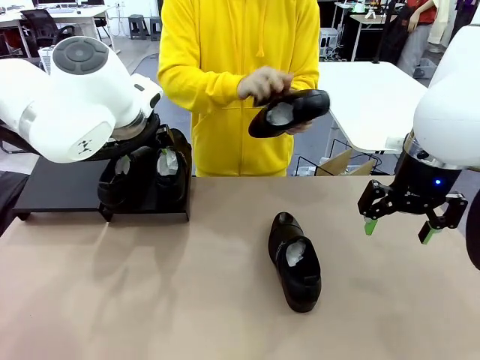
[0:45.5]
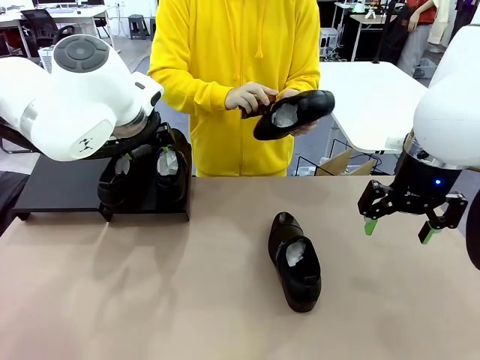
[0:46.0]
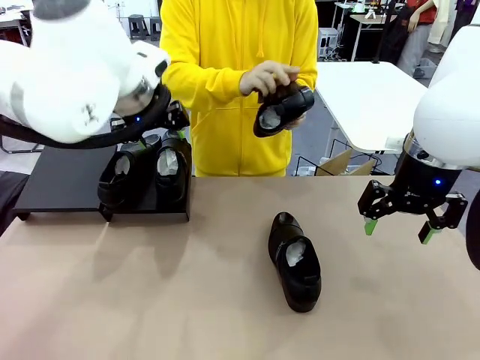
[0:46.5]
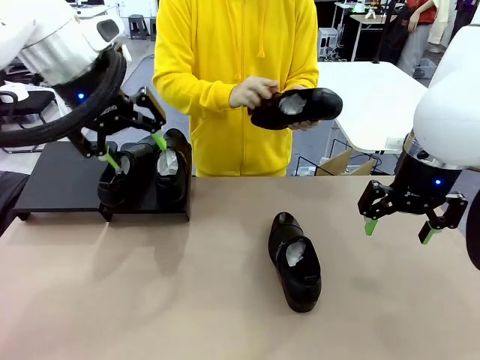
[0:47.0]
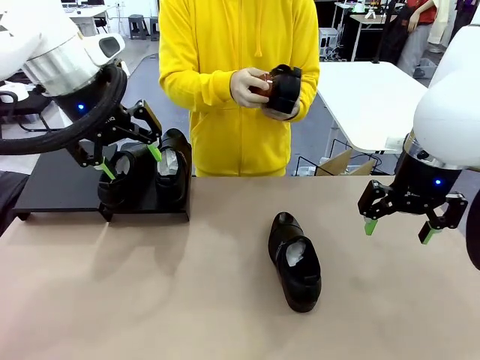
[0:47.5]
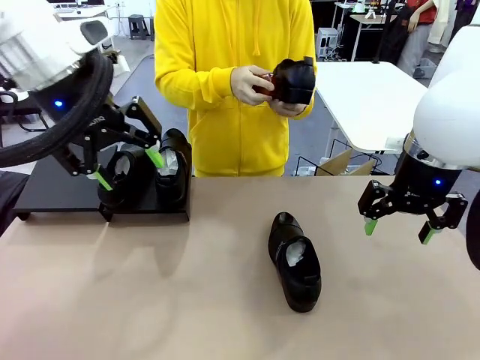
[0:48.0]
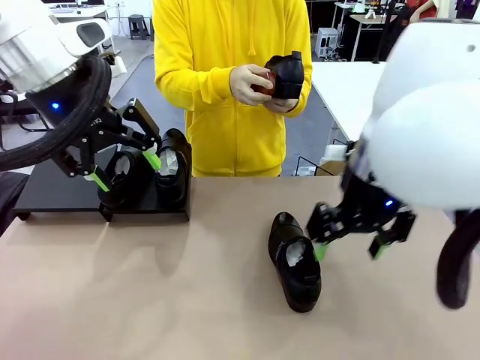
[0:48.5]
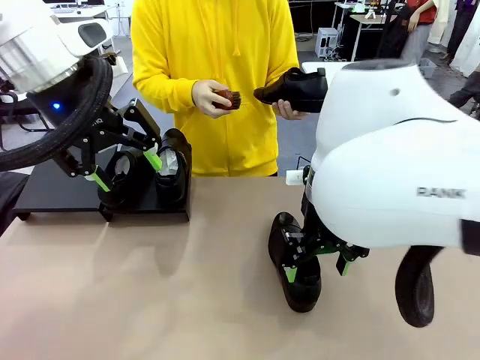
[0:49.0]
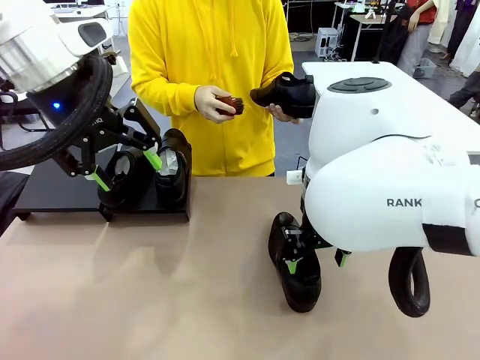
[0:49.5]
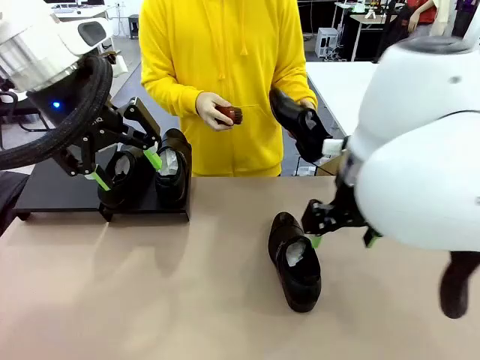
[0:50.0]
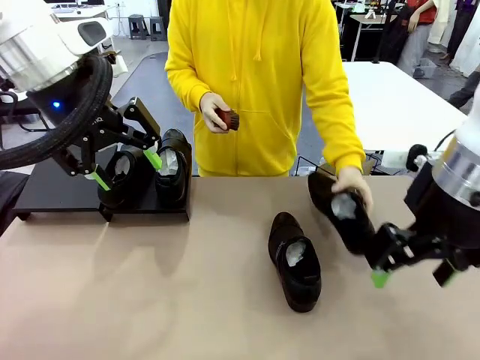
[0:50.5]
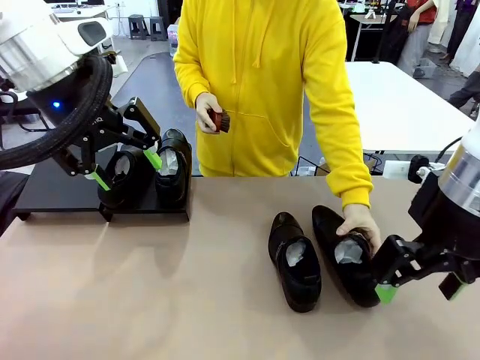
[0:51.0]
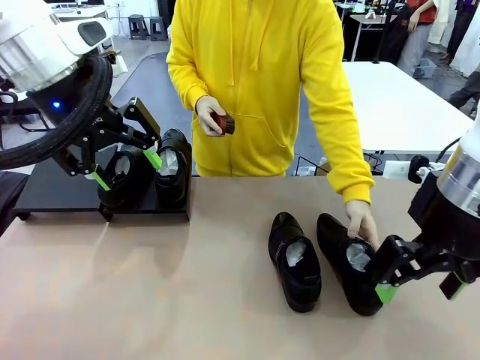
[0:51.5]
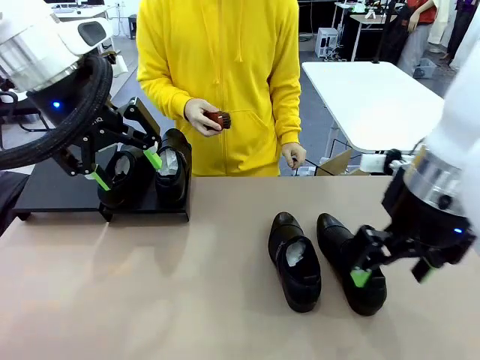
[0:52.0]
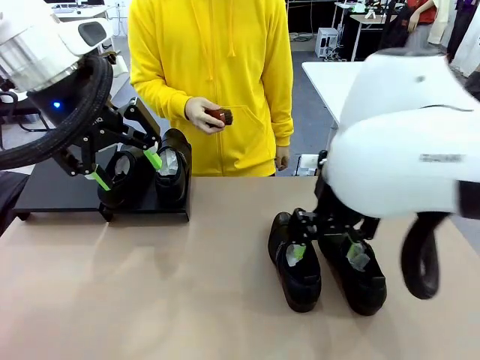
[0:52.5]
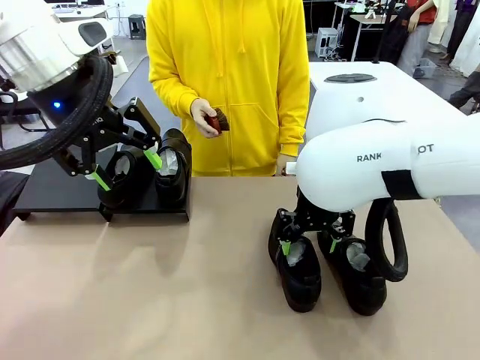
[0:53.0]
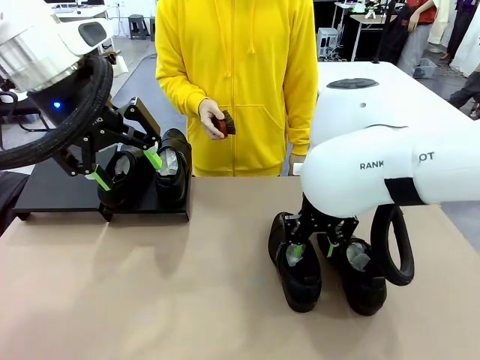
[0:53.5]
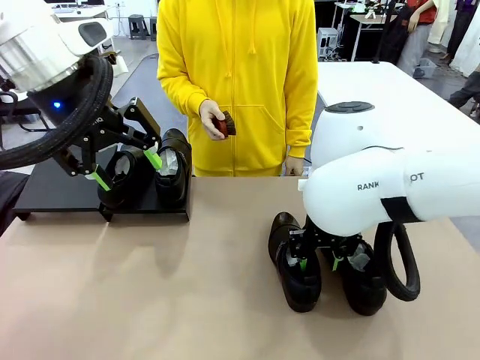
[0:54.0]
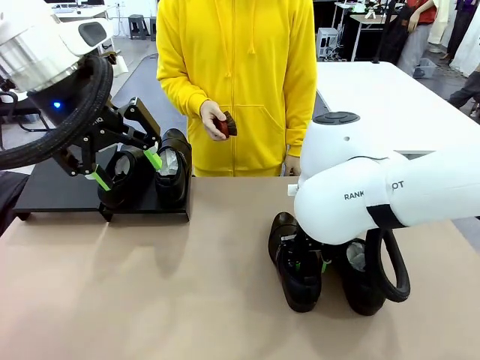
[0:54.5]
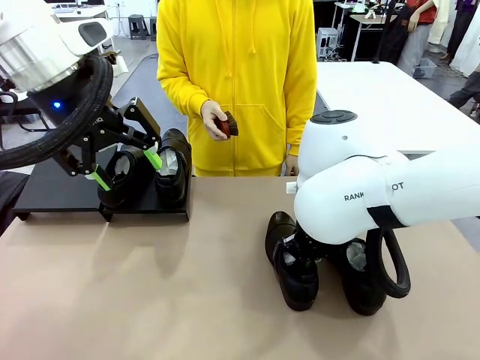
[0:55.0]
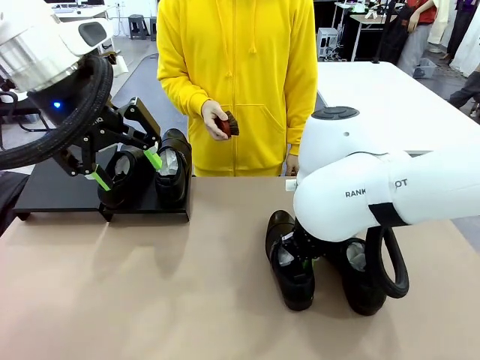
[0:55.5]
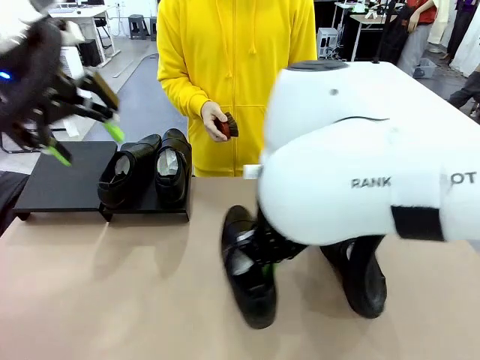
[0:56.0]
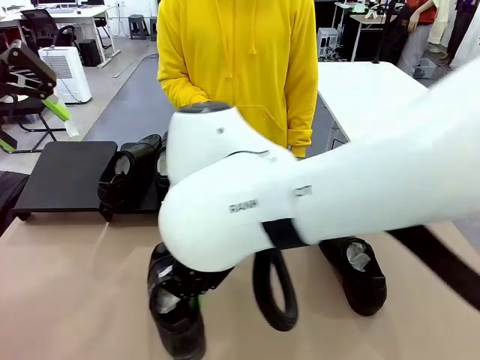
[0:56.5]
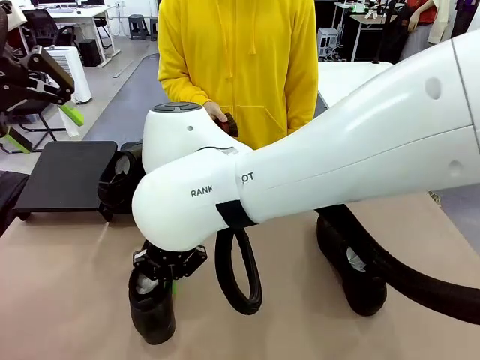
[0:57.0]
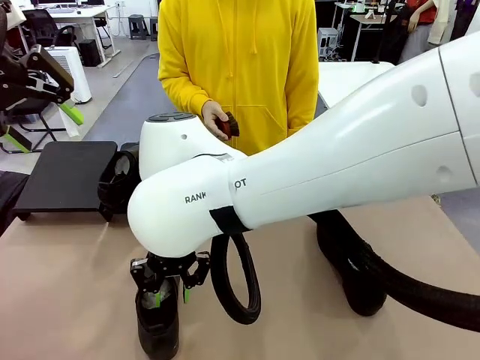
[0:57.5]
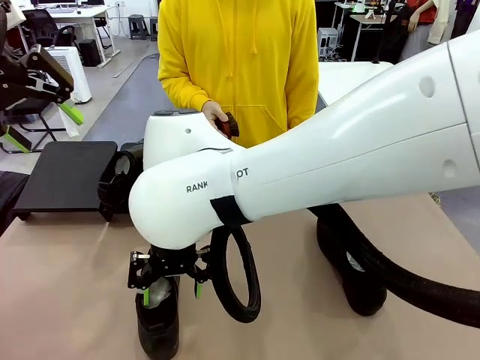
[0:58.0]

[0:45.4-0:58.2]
Task: Organize the shoes by placing them on the stand.
Robot: Pick up one Shoe and place it in the middle of the table.

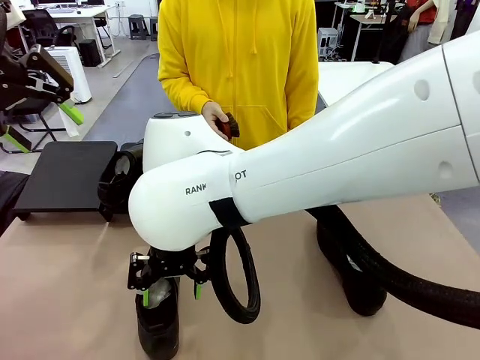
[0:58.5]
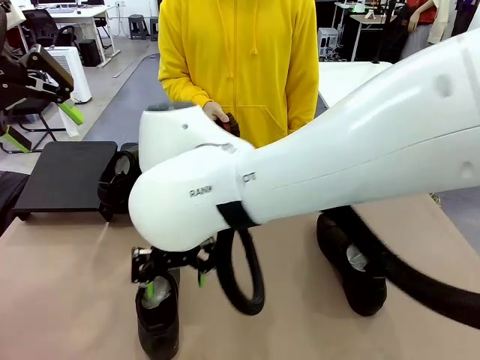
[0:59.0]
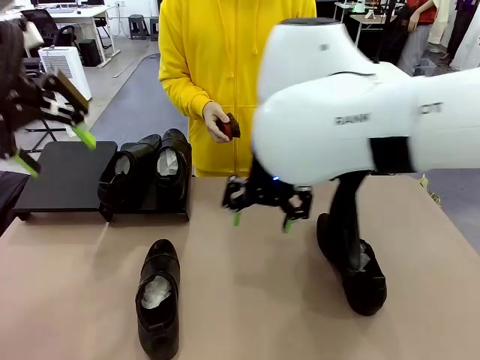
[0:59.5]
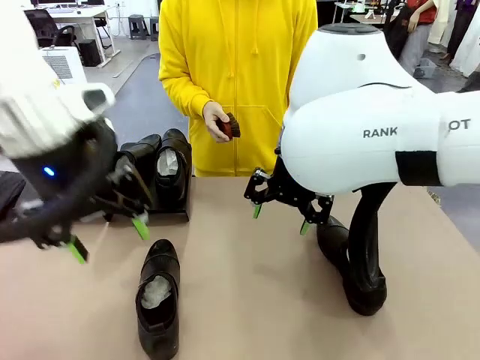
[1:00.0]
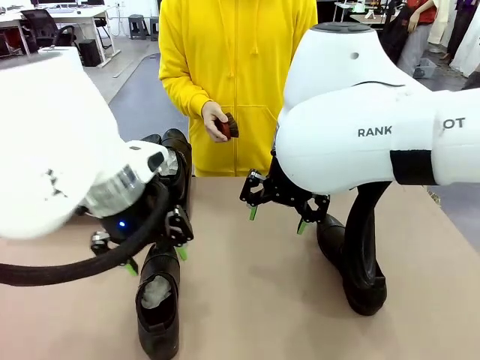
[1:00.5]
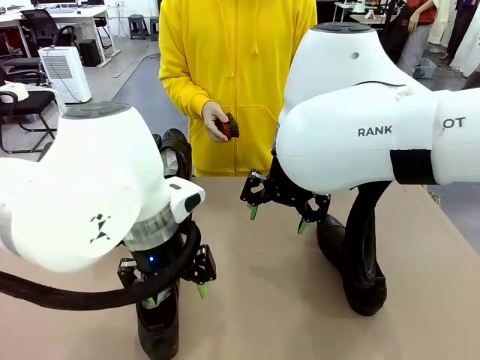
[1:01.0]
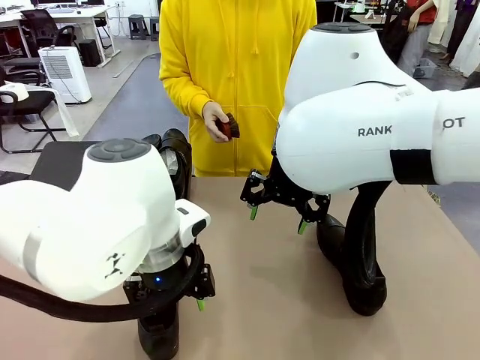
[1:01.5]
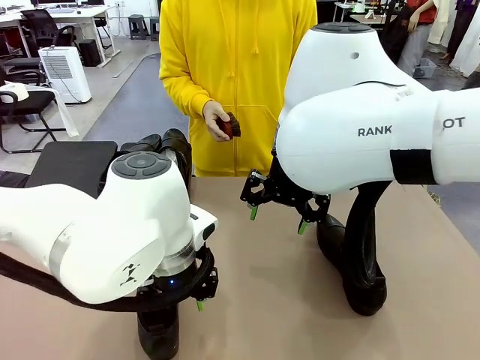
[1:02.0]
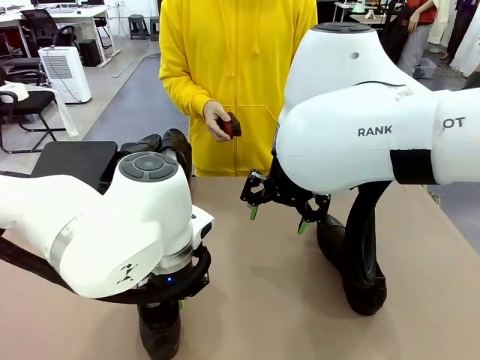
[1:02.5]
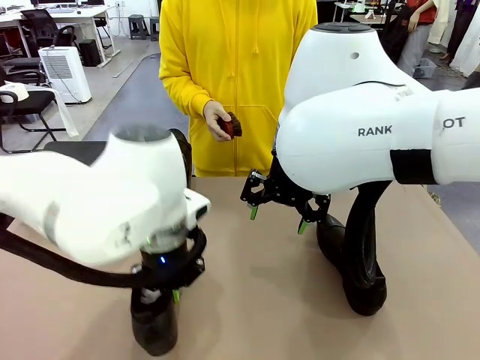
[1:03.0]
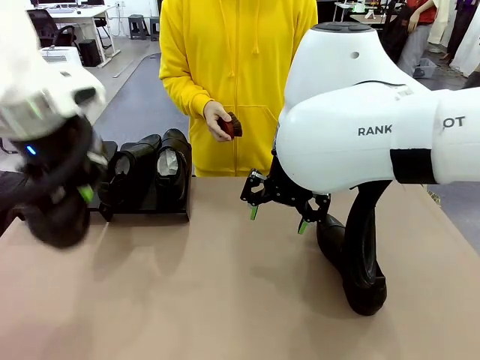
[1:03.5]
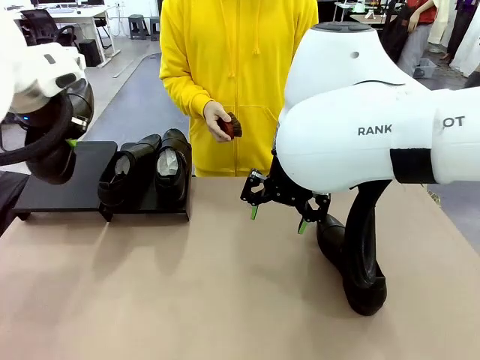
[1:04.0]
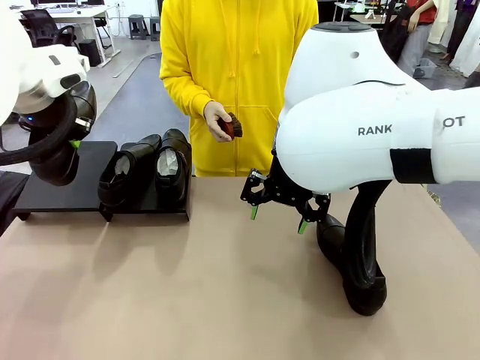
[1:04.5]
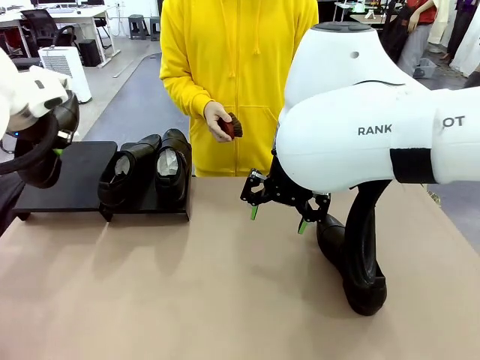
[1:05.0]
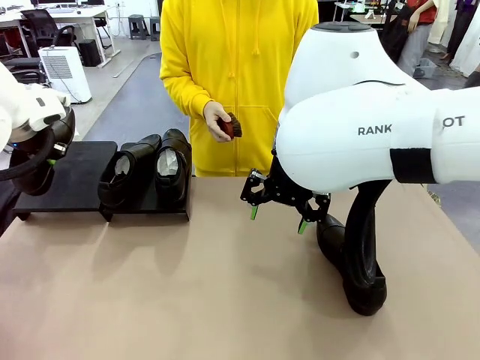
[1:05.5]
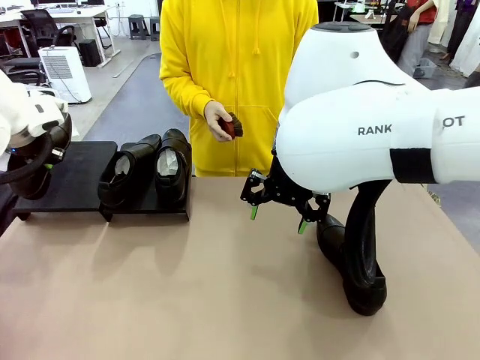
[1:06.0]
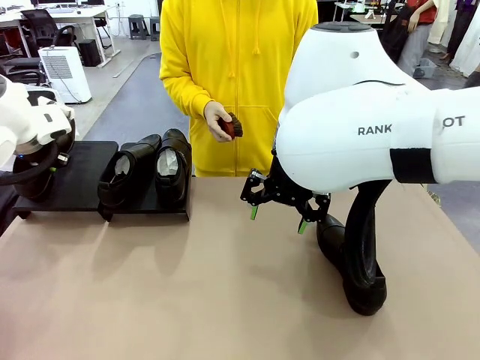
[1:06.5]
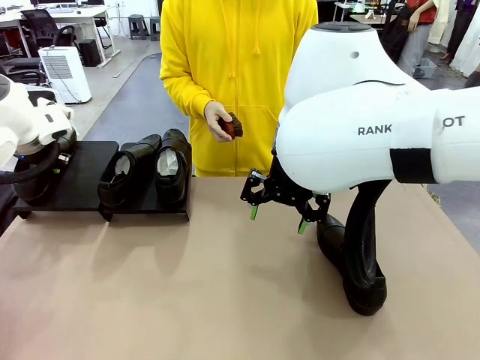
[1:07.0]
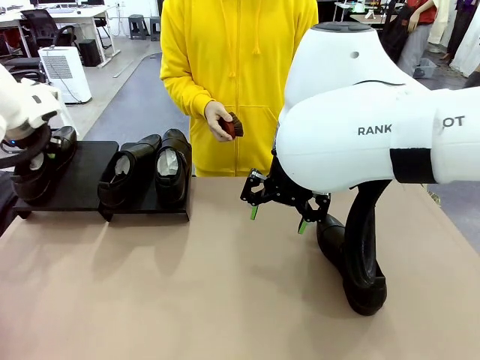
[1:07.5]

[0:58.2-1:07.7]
Robot: Place the Shoe from the middle of the table onto the Shoes Stand.

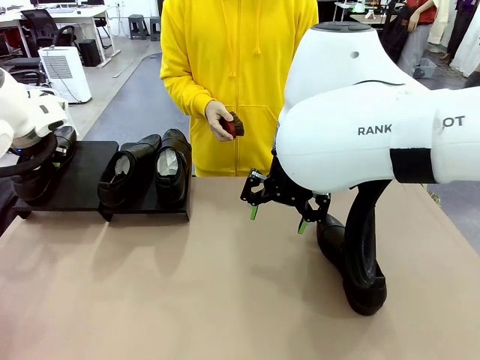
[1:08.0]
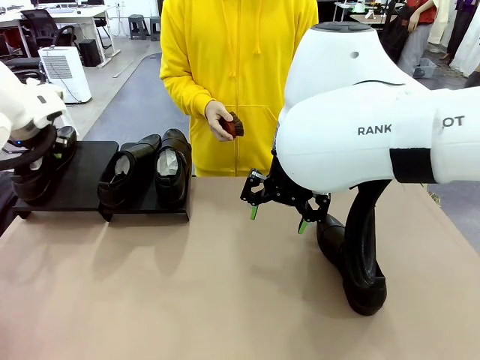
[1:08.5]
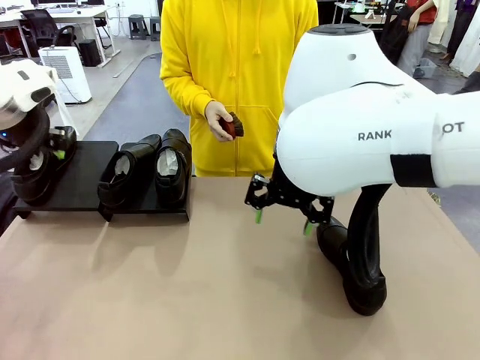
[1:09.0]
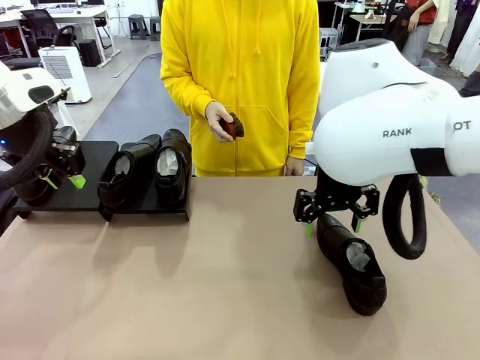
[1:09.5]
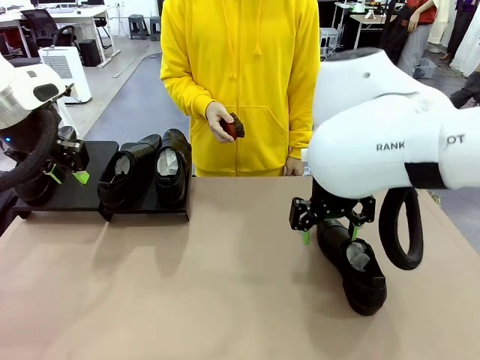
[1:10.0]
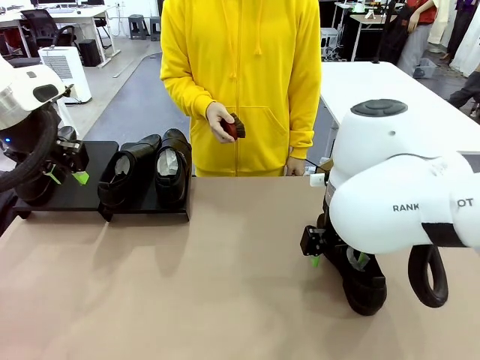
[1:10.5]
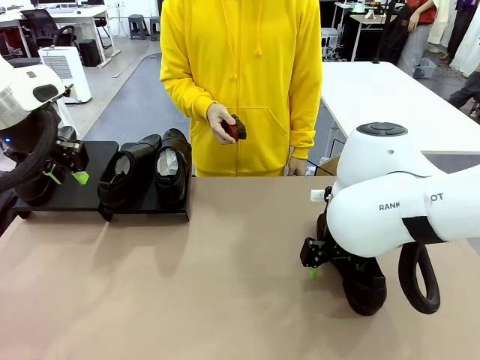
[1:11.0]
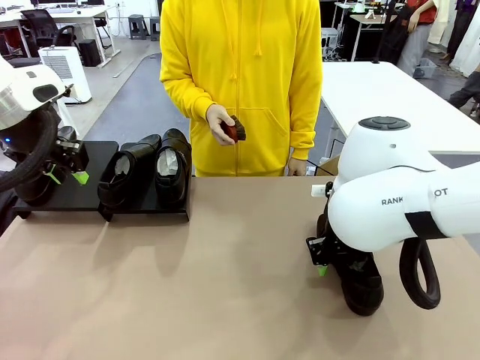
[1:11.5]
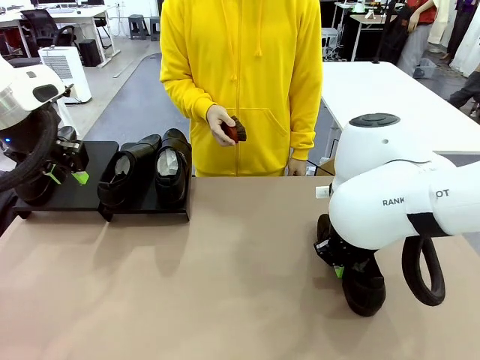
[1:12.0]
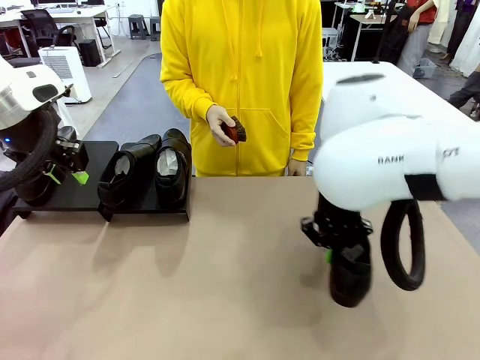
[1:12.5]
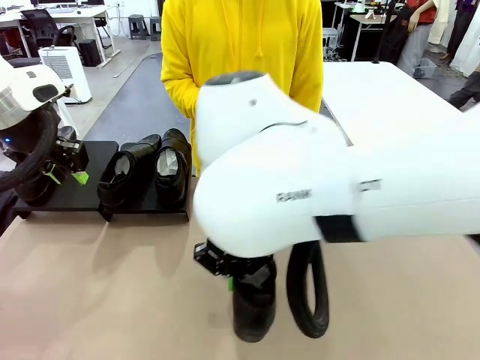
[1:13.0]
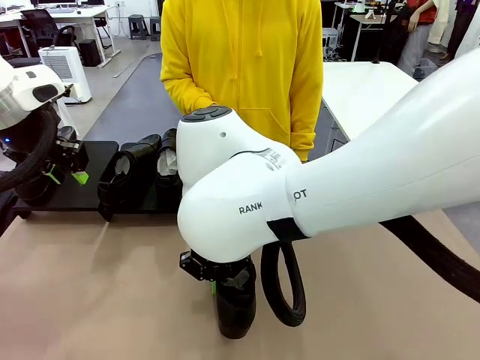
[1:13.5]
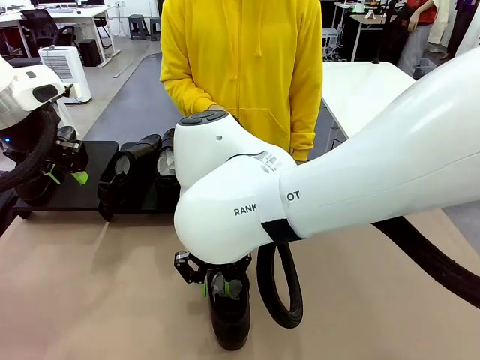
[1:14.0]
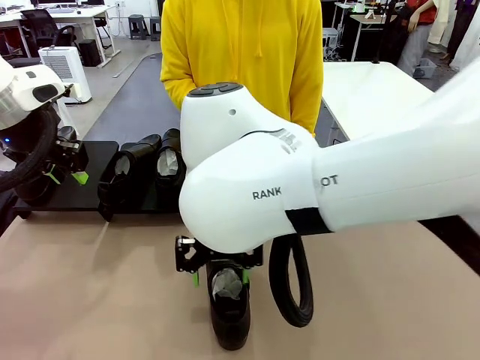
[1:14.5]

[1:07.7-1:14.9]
Robot: Pick up one Shoe and place it in the middle of the table.
